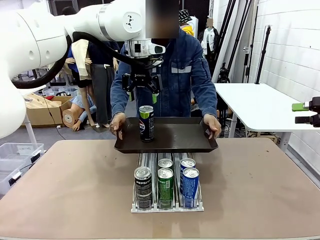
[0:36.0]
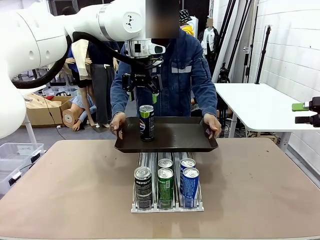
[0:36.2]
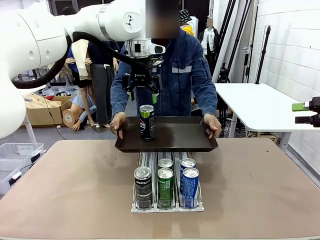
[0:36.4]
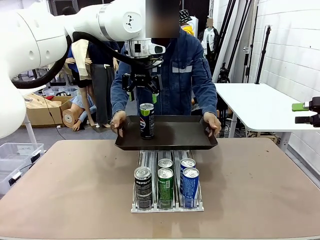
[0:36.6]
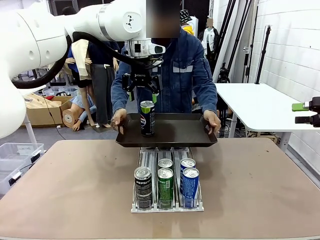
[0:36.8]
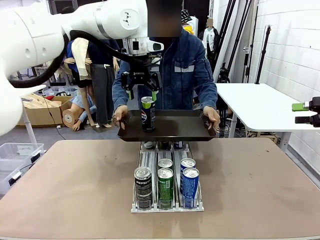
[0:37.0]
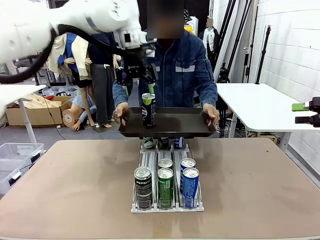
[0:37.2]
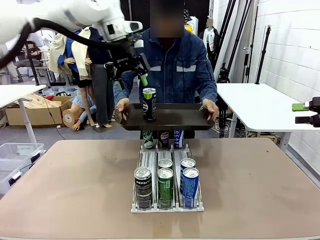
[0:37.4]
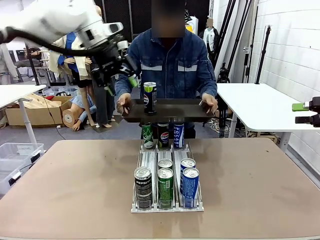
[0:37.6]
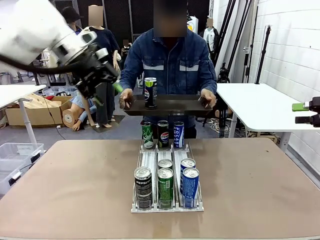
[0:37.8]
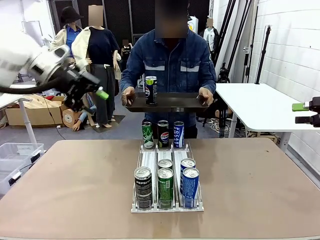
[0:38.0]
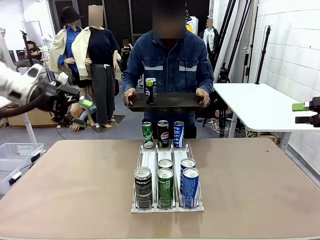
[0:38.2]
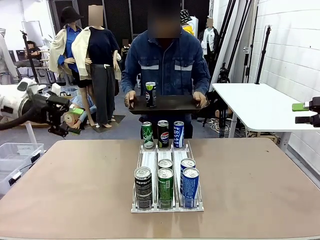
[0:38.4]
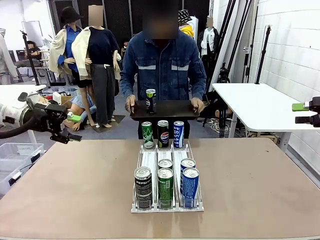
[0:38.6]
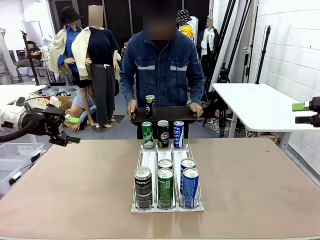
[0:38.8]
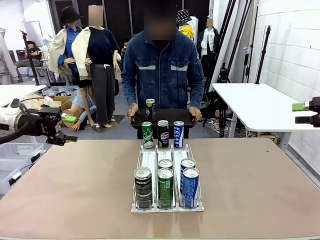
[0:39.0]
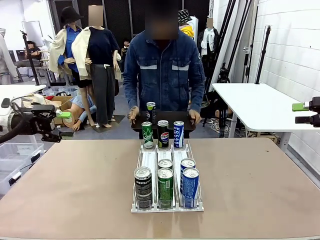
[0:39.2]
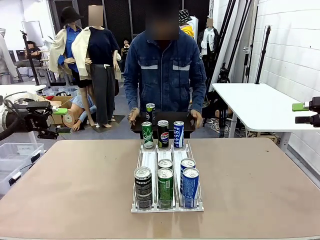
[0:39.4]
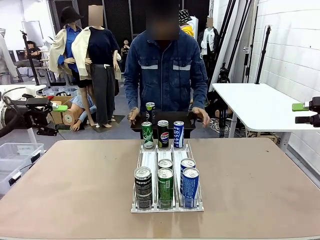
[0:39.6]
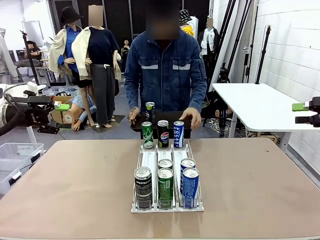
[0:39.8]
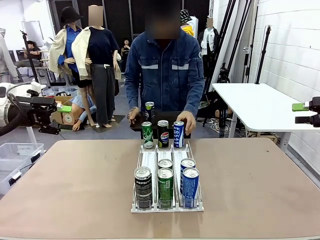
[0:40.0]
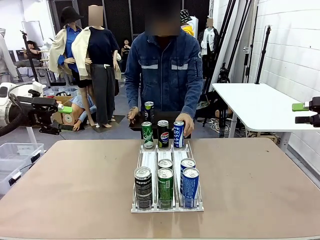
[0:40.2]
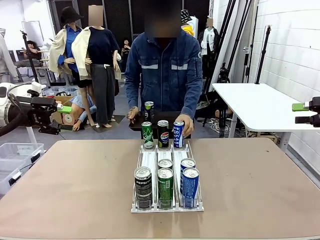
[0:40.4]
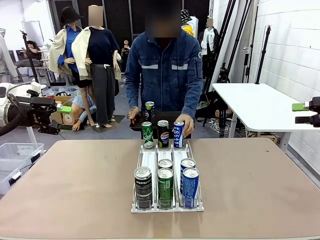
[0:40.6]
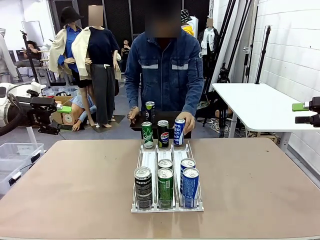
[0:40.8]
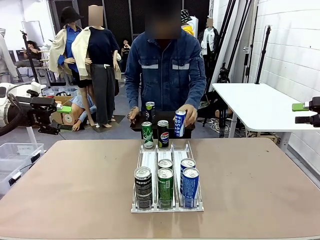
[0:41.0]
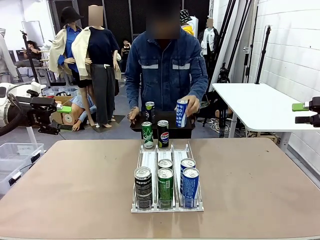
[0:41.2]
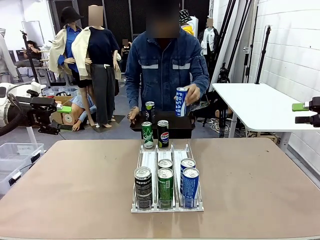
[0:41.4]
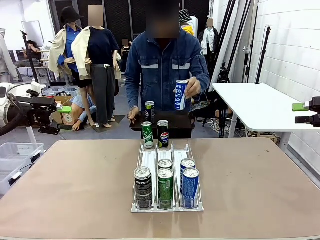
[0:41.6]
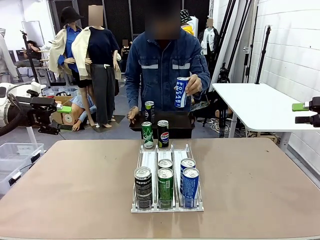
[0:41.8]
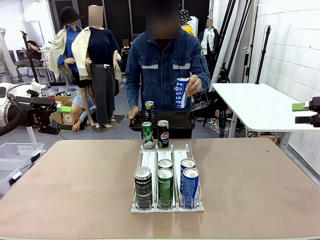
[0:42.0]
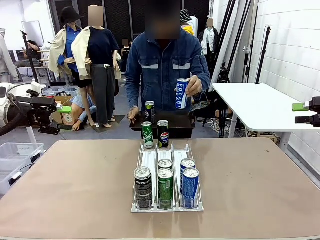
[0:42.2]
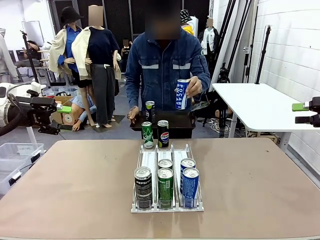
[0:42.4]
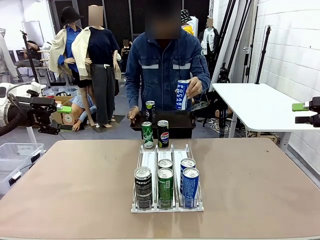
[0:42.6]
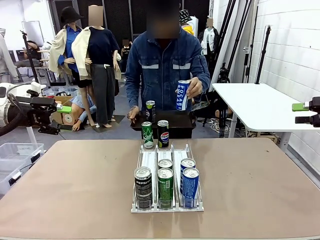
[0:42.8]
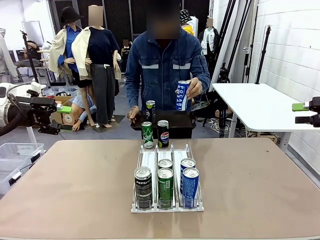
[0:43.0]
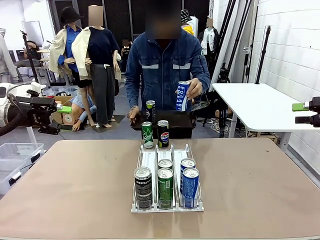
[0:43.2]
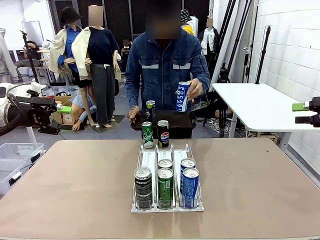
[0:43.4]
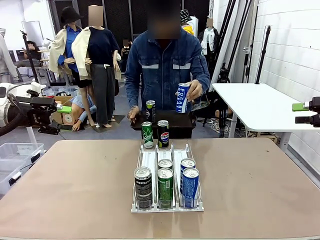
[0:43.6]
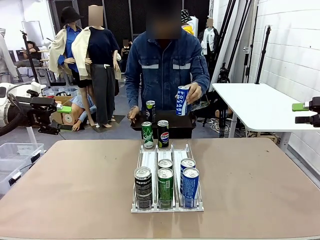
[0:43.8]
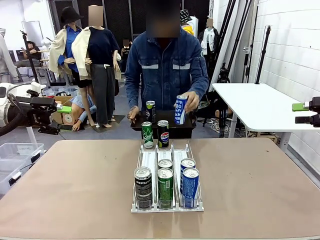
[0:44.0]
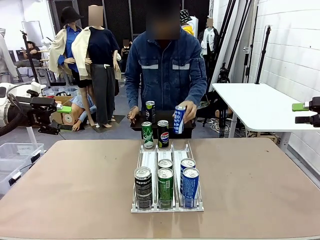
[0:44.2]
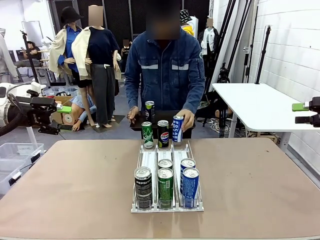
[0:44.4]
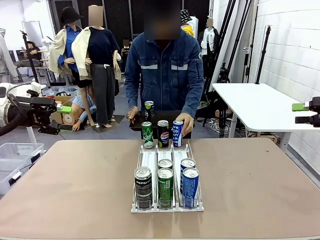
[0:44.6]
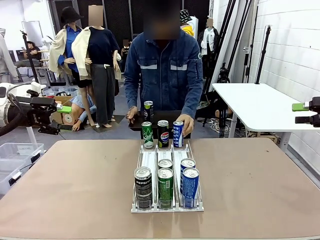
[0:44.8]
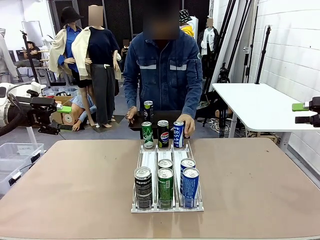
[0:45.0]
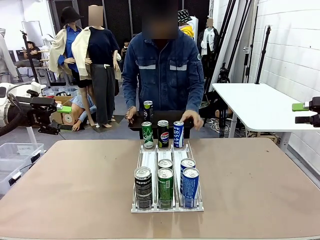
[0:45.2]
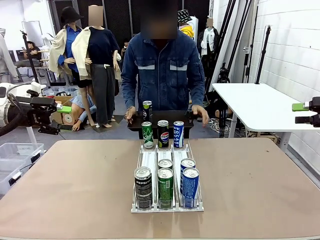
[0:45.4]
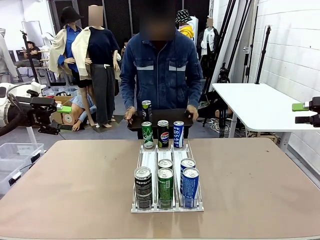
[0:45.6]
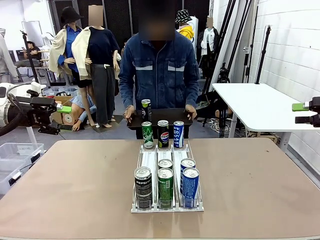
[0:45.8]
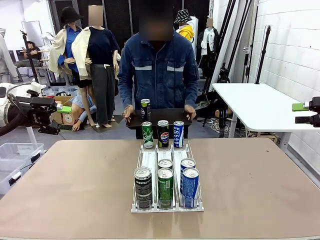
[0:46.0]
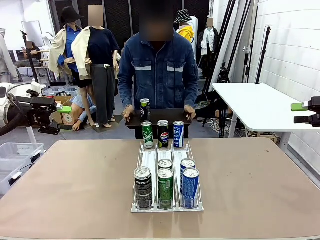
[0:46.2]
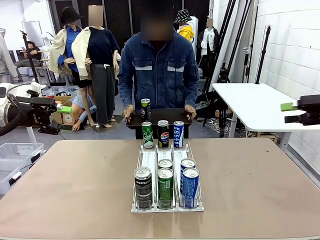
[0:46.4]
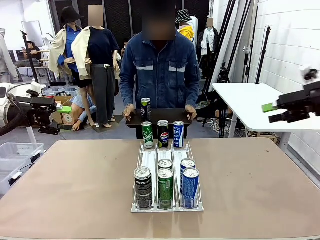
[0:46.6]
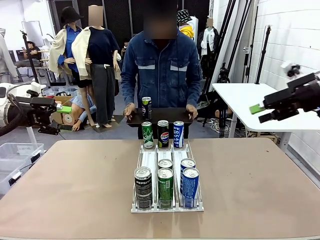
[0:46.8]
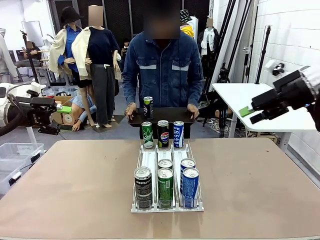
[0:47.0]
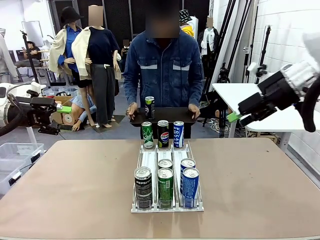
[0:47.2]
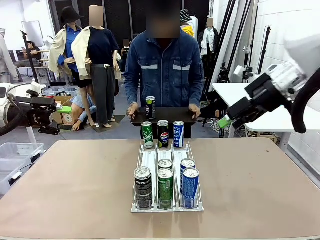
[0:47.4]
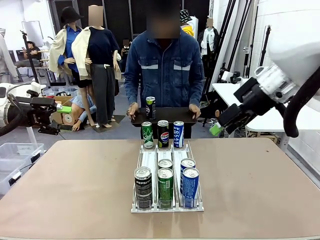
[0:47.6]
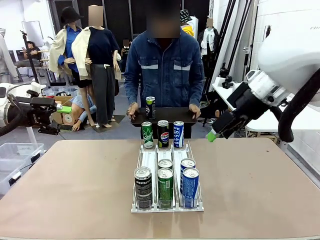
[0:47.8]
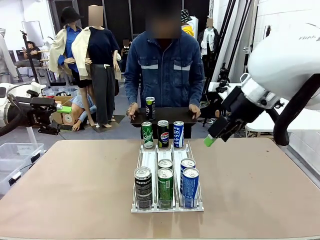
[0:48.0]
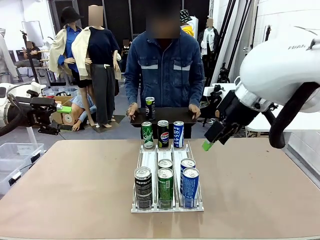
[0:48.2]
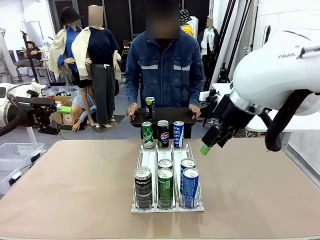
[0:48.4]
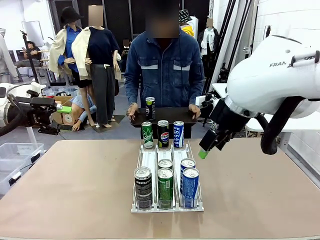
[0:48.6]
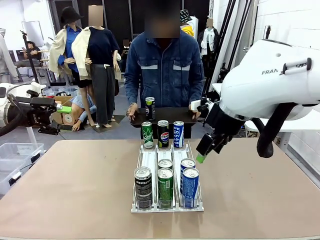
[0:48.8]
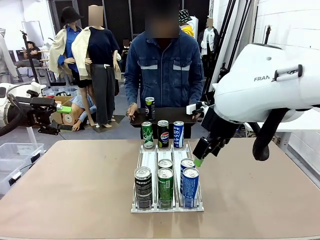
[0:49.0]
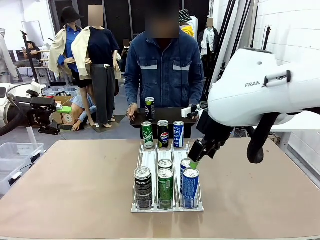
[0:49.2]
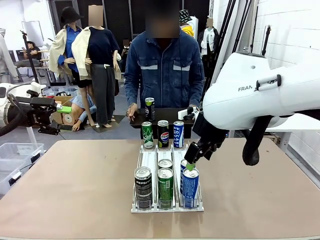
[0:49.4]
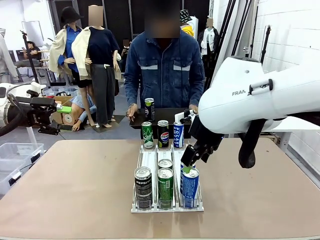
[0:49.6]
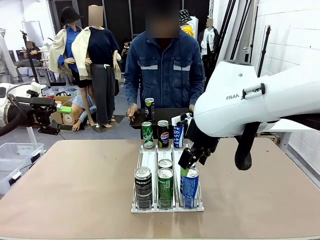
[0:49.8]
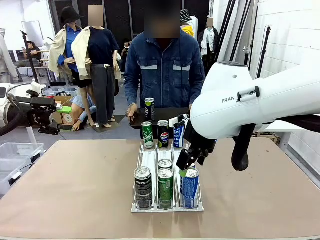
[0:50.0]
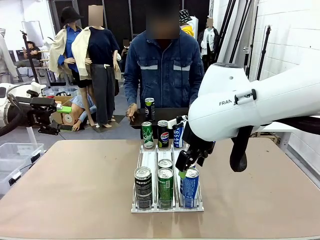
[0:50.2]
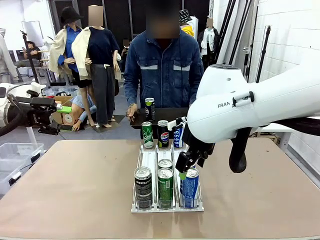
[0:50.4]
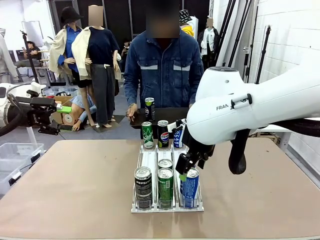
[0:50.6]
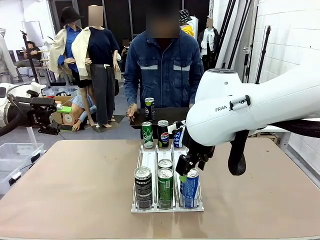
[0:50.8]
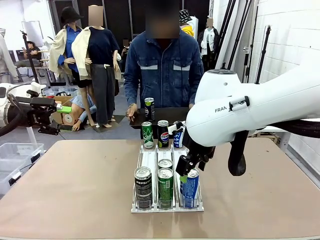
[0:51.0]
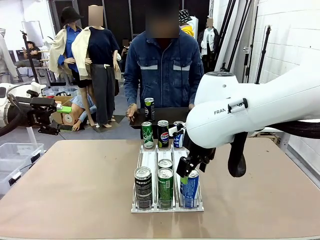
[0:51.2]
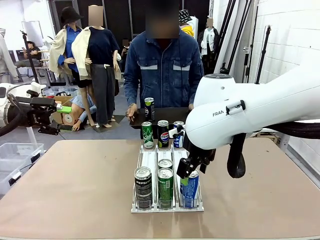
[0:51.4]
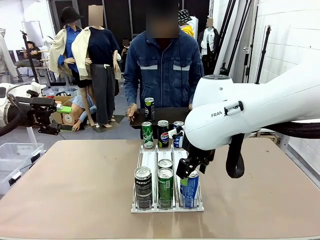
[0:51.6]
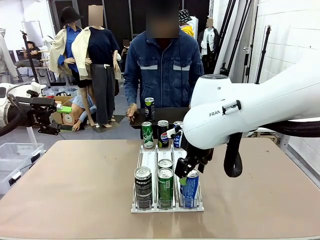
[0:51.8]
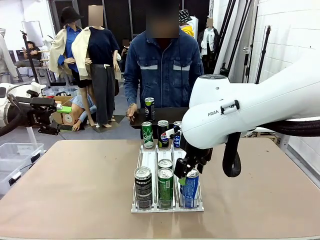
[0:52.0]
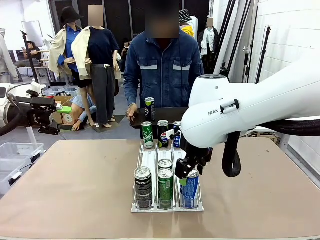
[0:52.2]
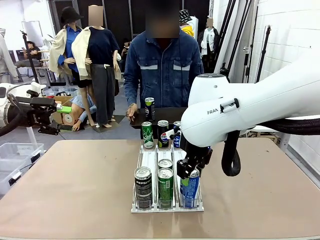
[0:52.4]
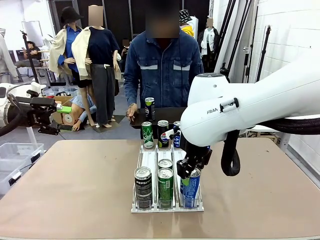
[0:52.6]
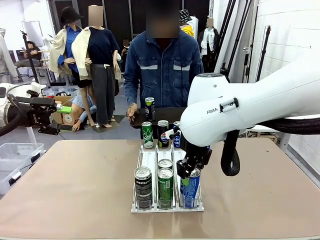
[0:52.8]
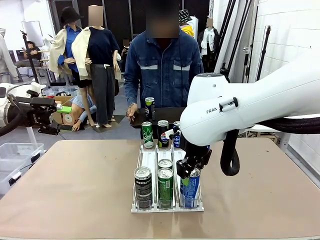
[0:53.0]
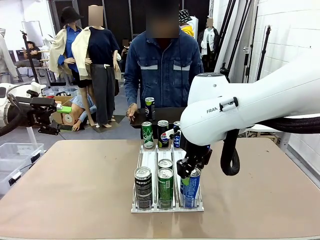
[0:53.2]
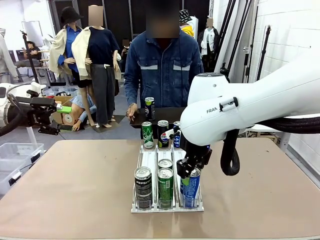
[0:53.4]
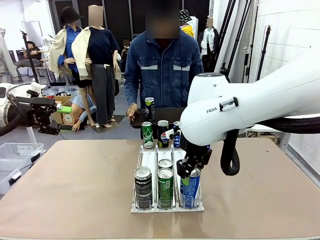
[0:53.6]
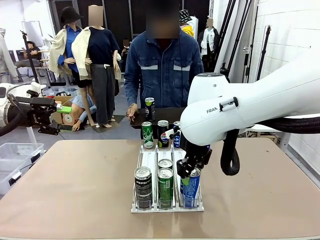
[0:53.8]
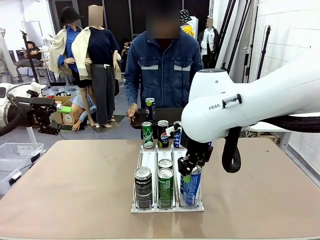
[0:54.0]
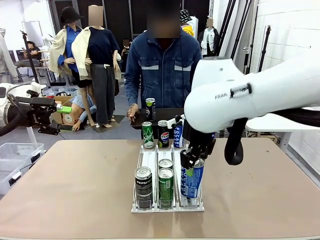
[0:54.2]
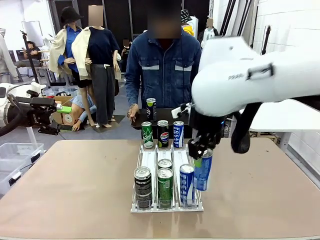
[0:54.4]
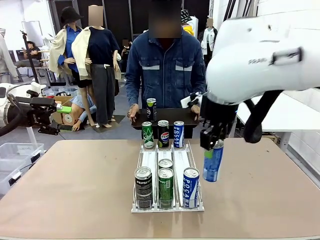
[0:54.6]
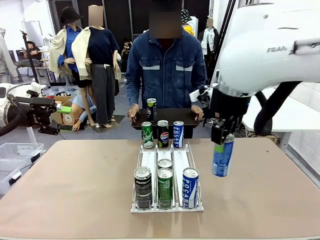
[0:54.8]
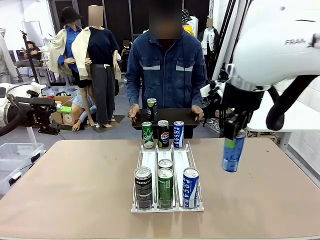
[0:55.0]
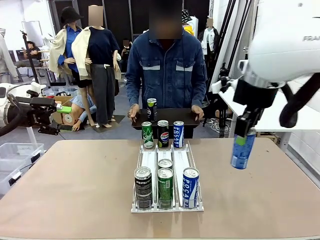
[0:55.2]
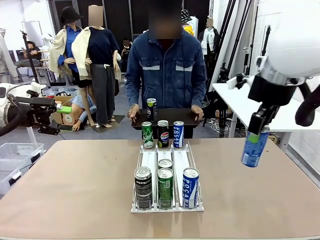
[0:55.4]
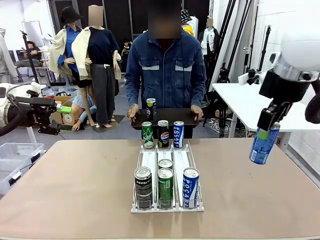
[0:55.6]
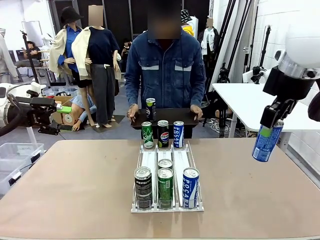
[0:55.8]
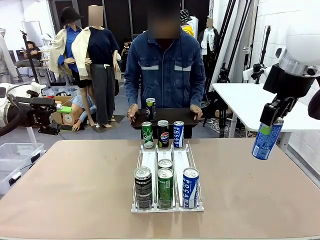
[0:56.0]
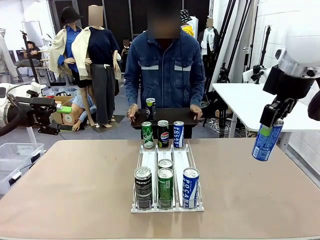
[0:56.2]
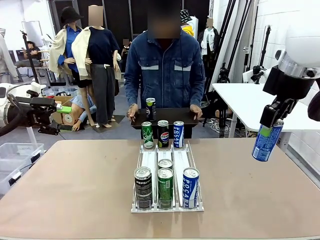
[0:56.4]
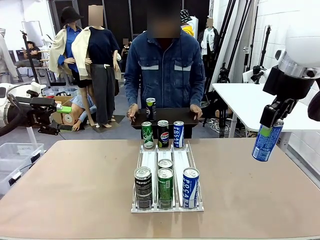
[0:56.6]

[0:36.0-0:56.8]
Task: Retrieve and hand over the desired beverage to the person.
Robot: Pick up another can of the same type that the person held from the Automatic Can Dispenser.
Person: Pull the tray back, then pick up another can from the bottom area of the table and puts it back in its original place. Push the tray toward the robot again.
